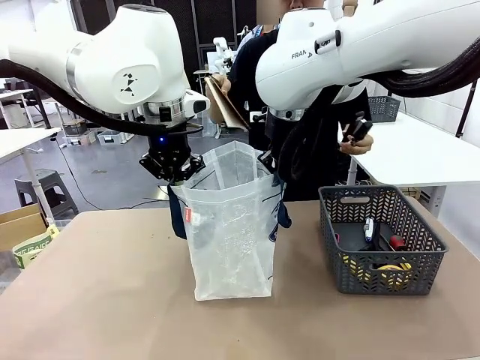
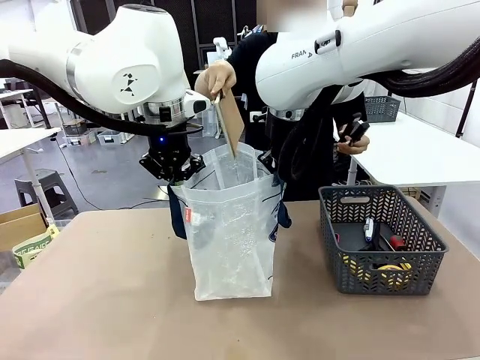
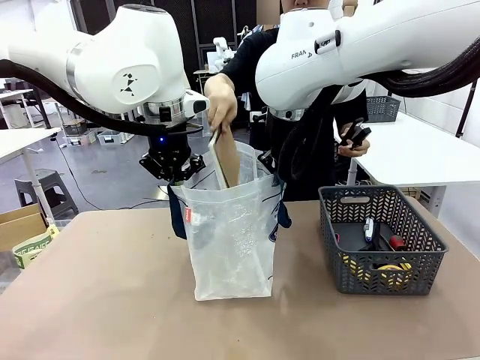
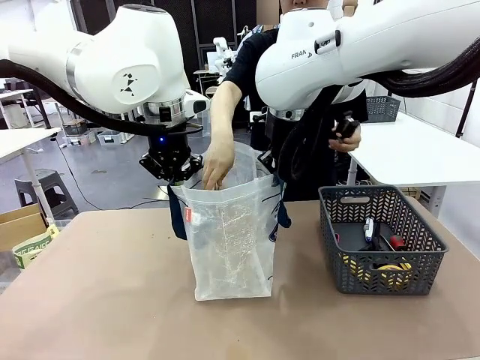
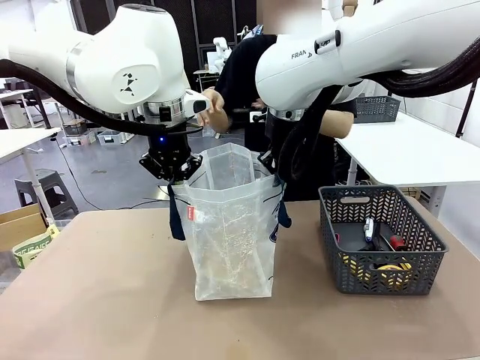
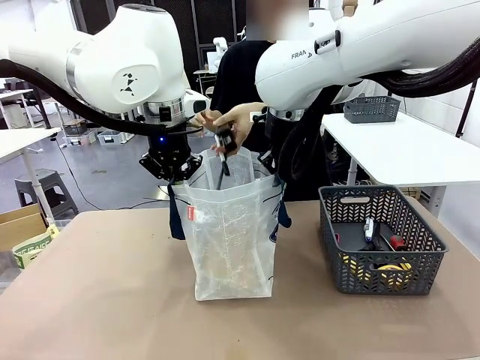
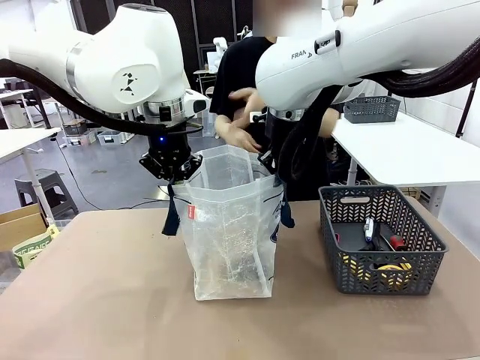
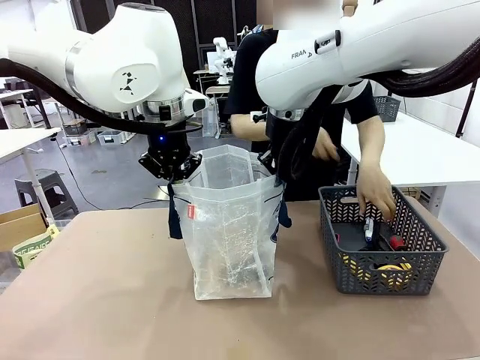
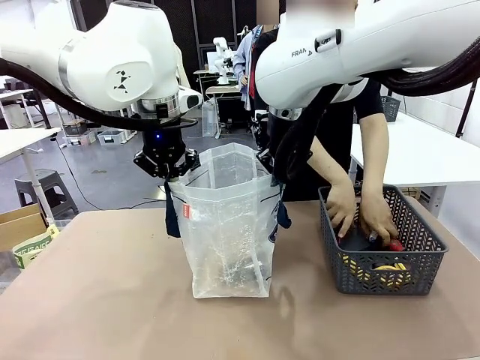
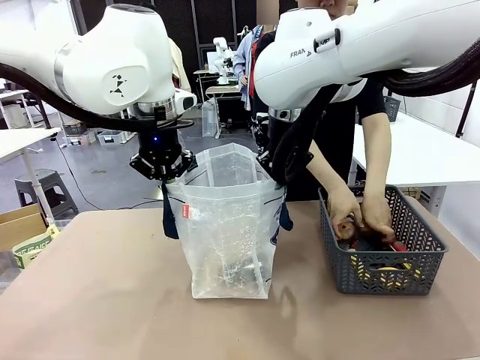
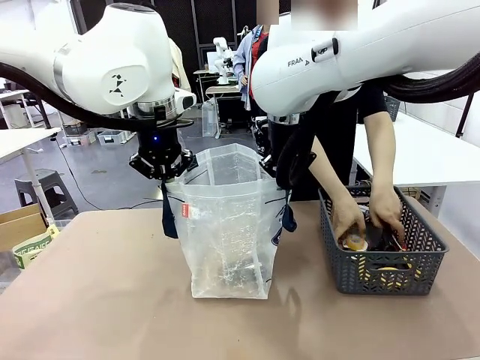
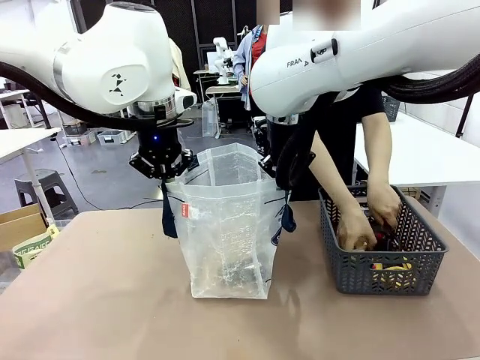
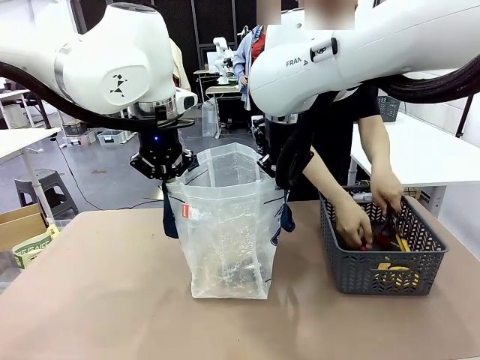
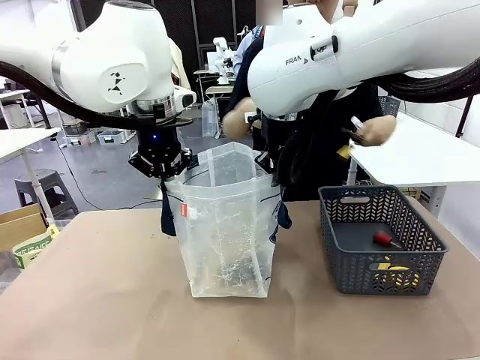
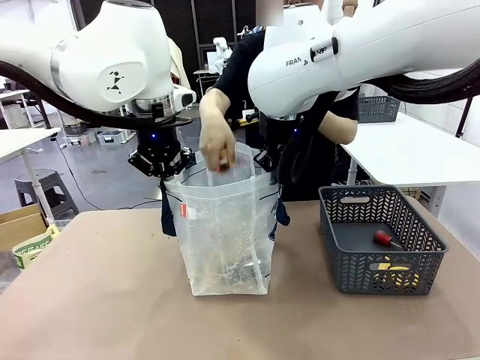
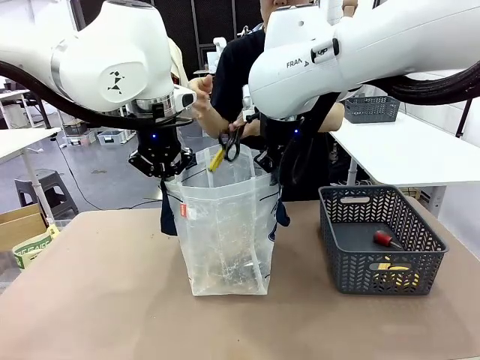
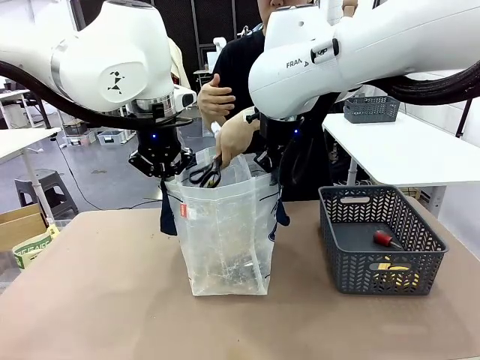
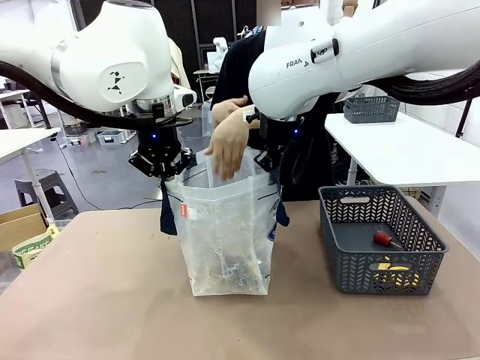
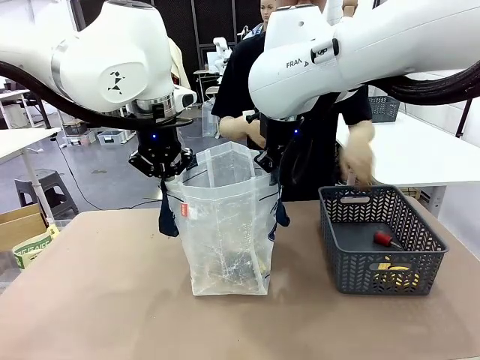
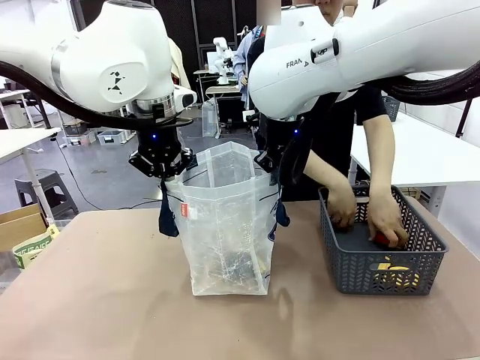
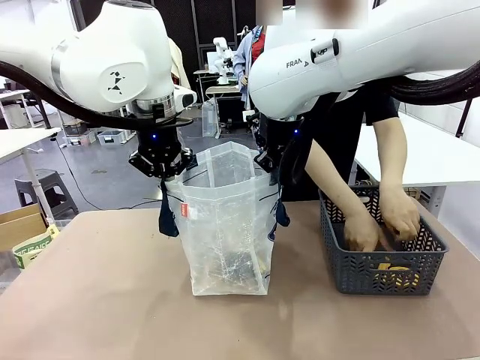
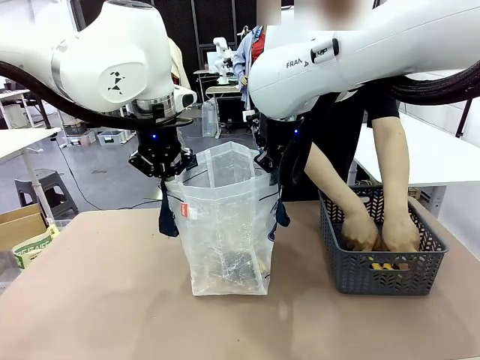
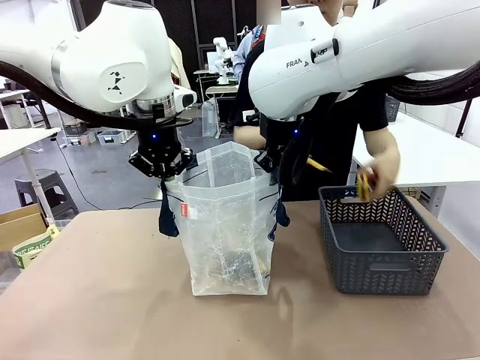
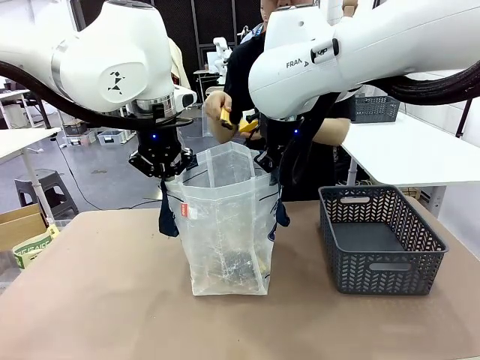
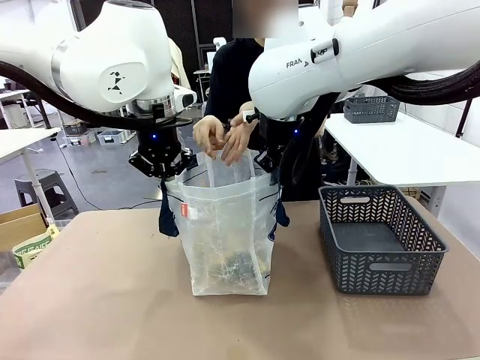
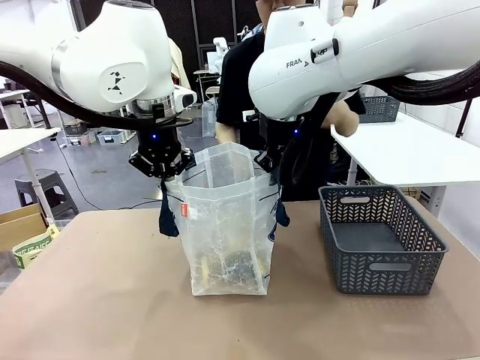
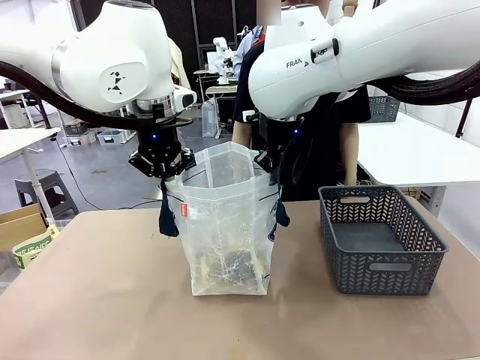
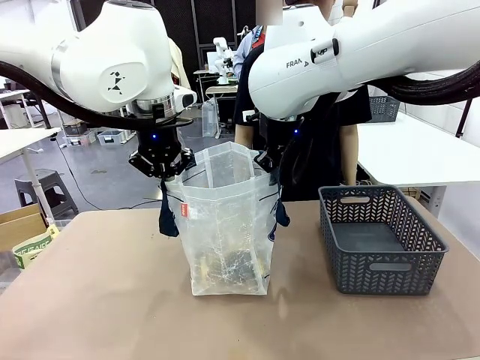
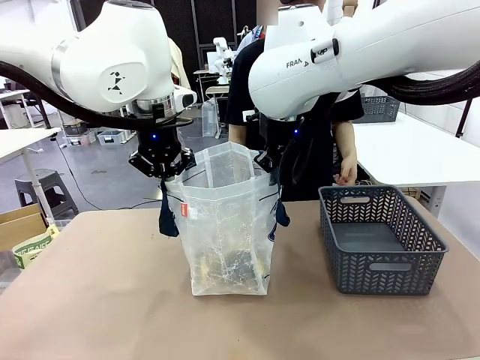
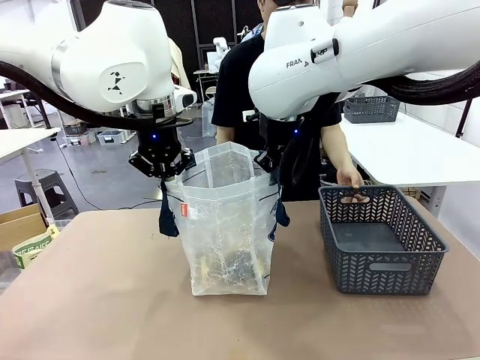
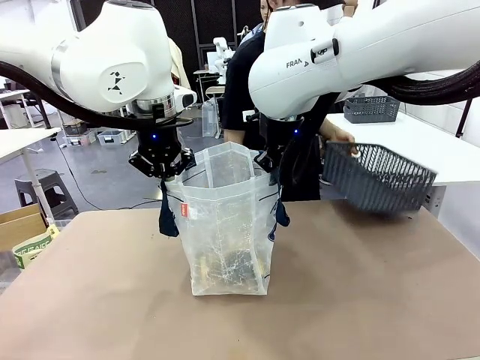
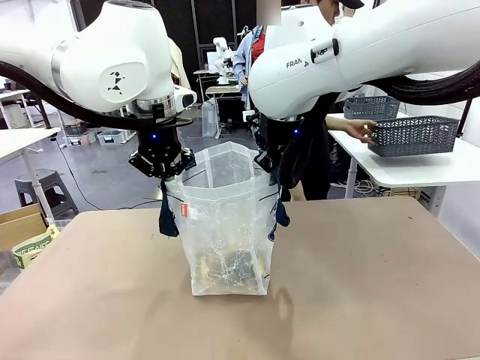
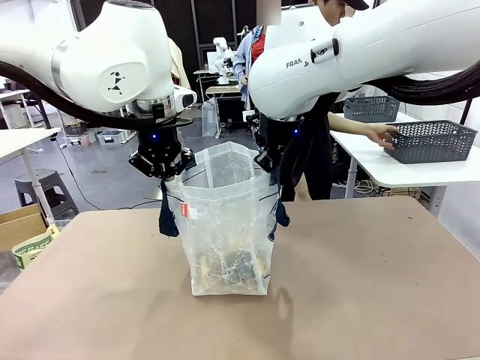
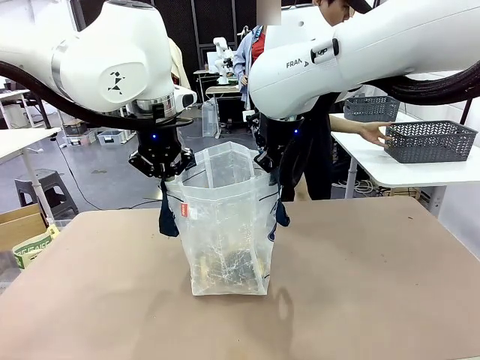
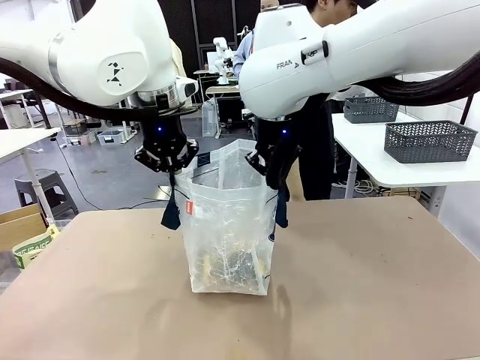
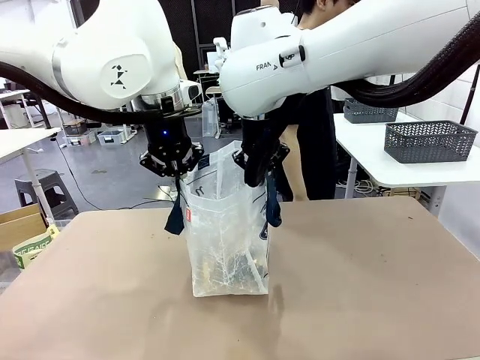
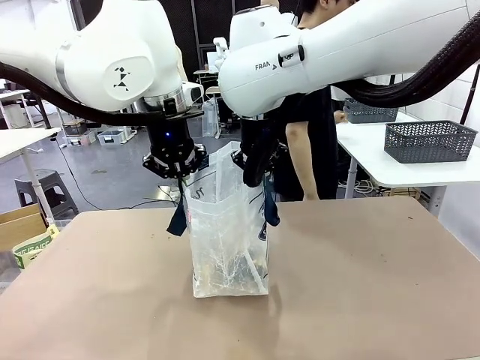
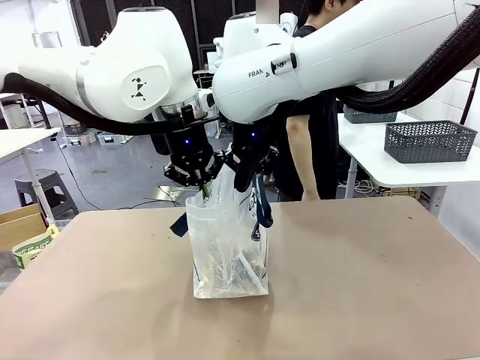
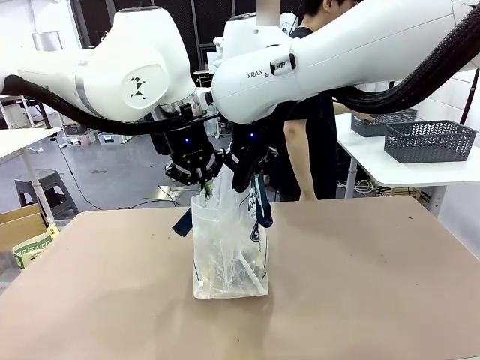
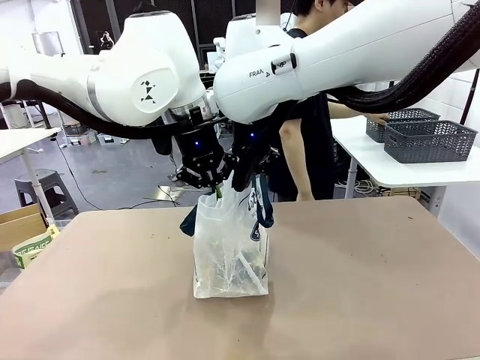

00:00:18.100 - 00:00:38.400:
Task: Transfer purchased items from the store into the shopping bag.
Robot: Move the Reusable shopping bag to the right side of the table.
Person: Pick up the basket on the right, place it on the left side of the robot table, and move the items in the basket to the shopping bag. Pick up the basket with the items out and place it on the right side of the human table.
